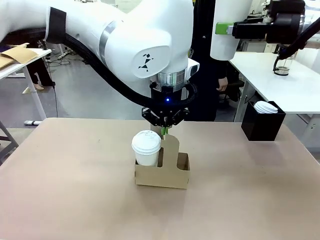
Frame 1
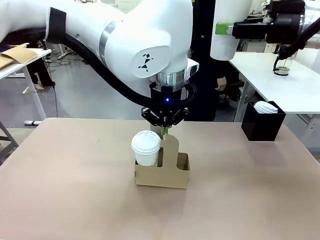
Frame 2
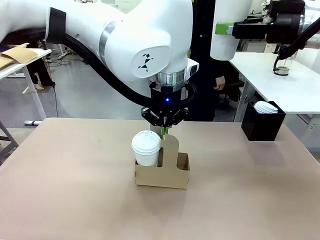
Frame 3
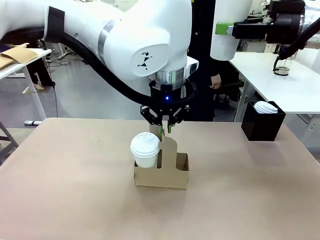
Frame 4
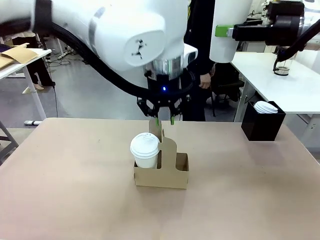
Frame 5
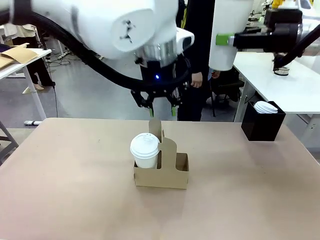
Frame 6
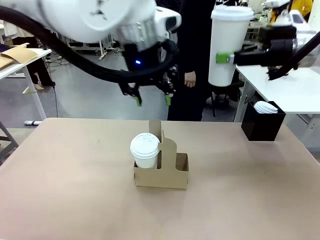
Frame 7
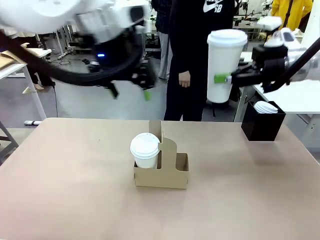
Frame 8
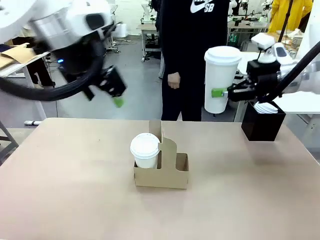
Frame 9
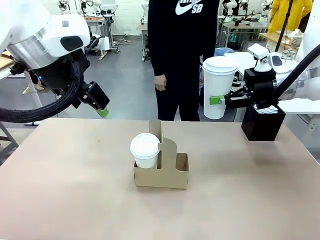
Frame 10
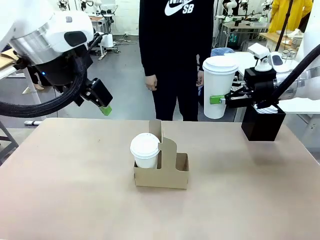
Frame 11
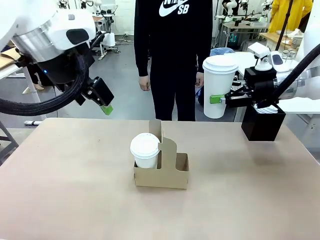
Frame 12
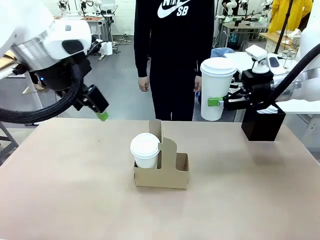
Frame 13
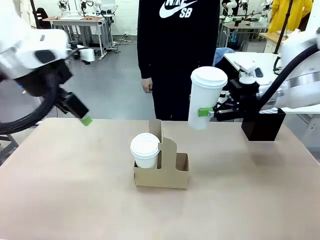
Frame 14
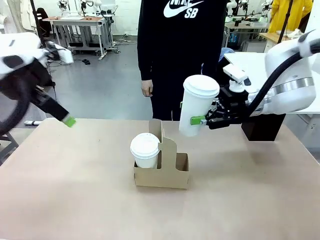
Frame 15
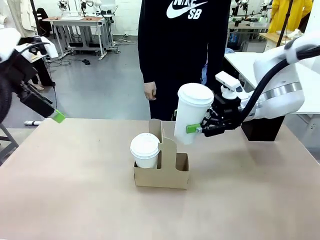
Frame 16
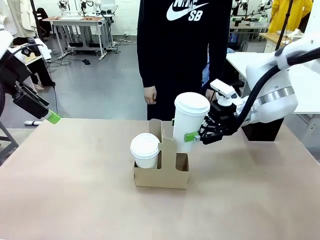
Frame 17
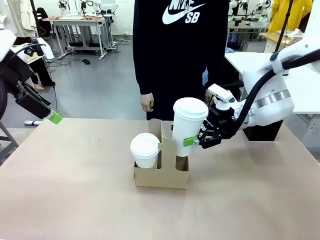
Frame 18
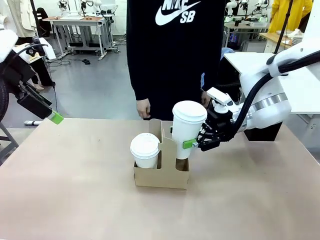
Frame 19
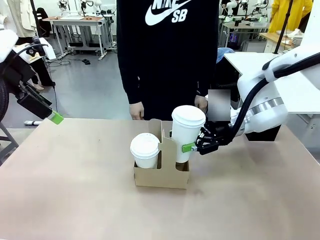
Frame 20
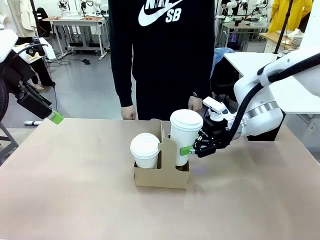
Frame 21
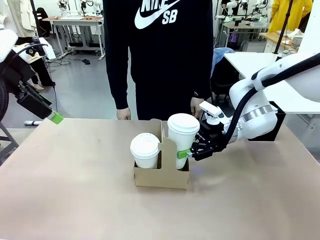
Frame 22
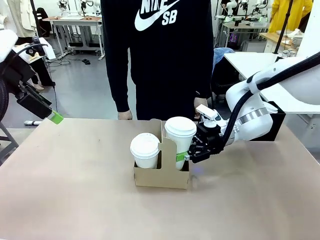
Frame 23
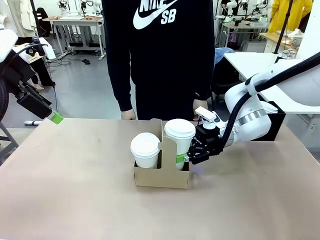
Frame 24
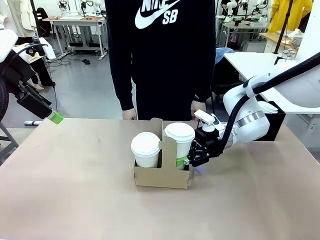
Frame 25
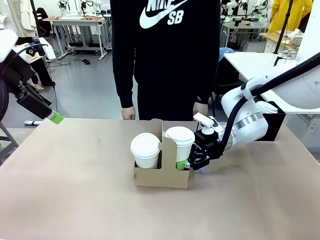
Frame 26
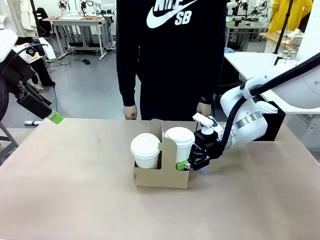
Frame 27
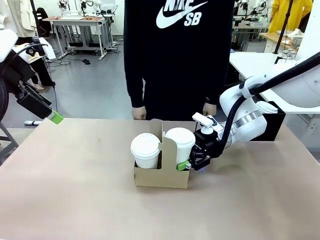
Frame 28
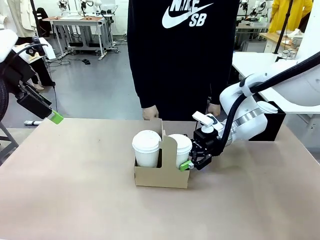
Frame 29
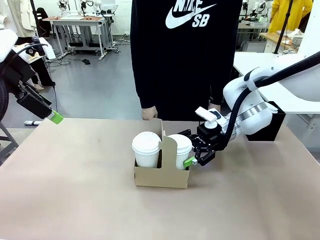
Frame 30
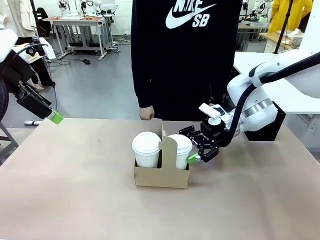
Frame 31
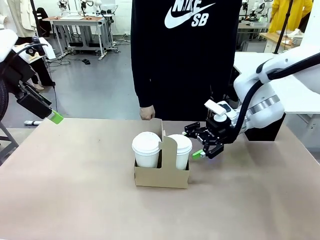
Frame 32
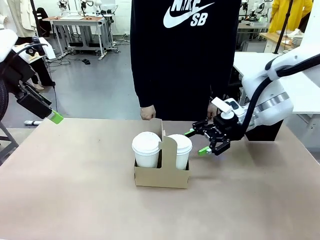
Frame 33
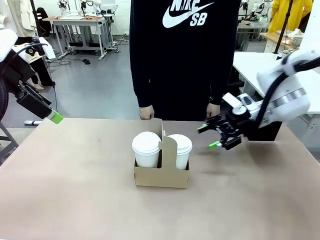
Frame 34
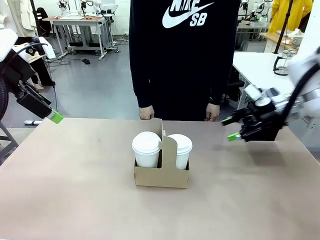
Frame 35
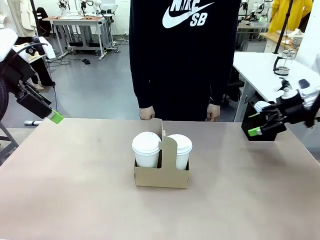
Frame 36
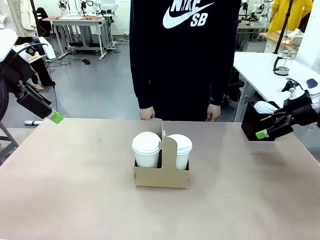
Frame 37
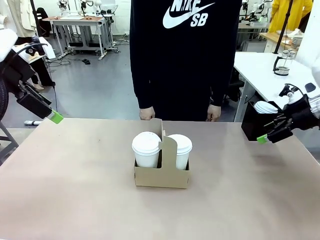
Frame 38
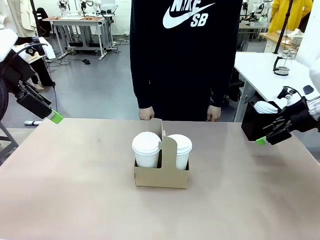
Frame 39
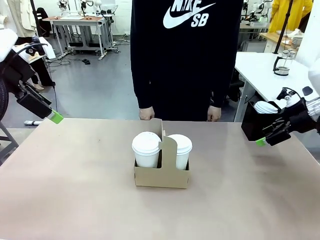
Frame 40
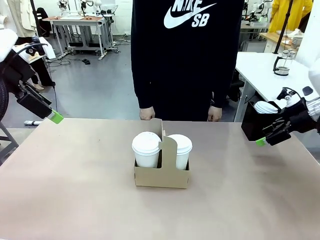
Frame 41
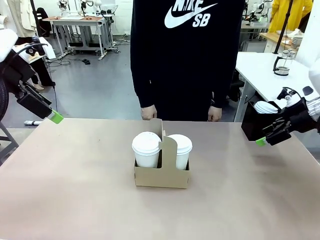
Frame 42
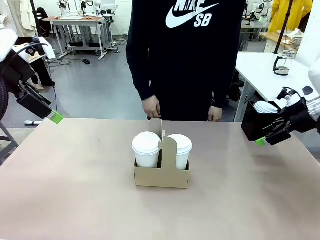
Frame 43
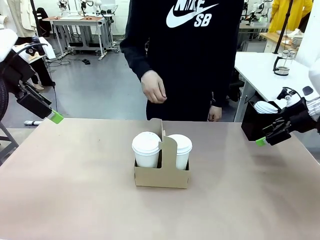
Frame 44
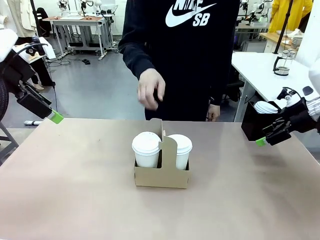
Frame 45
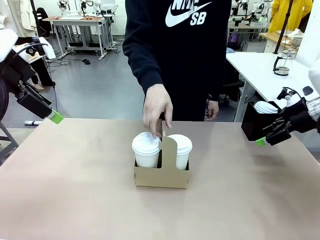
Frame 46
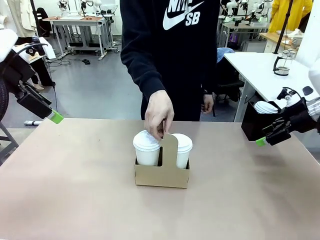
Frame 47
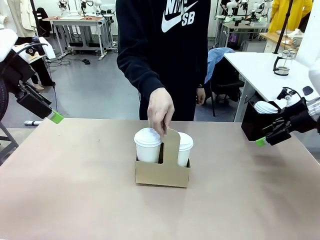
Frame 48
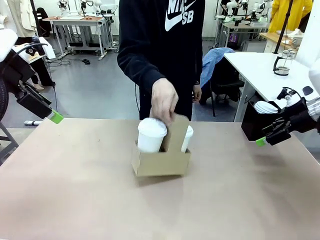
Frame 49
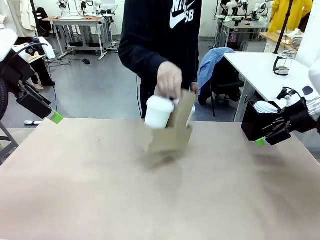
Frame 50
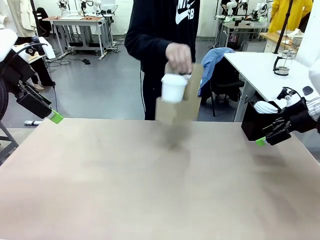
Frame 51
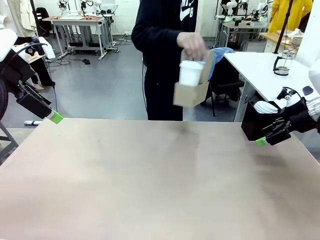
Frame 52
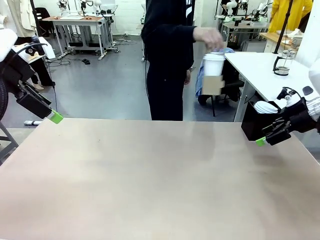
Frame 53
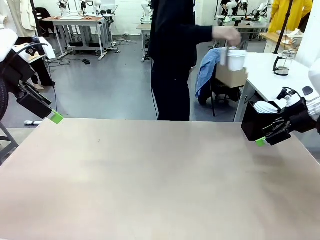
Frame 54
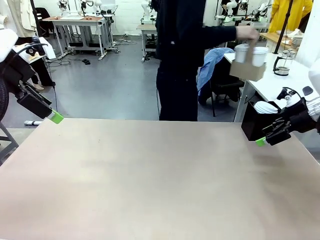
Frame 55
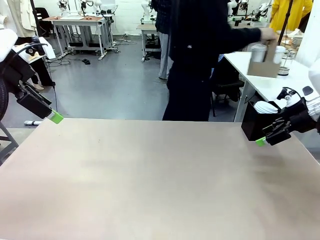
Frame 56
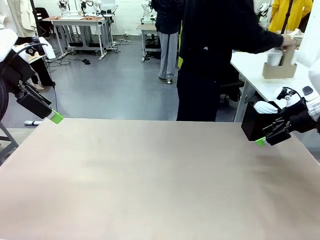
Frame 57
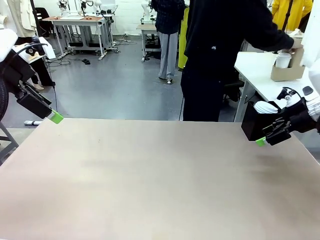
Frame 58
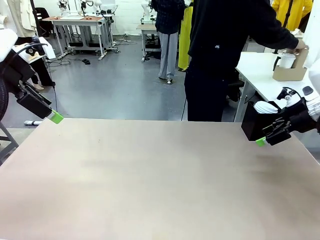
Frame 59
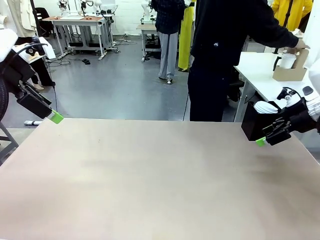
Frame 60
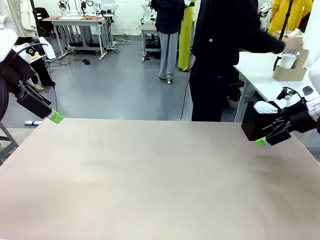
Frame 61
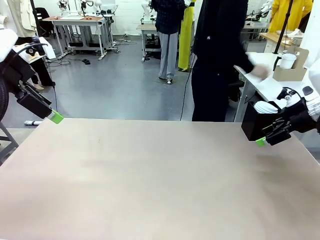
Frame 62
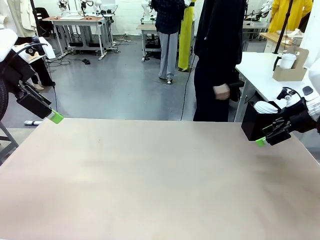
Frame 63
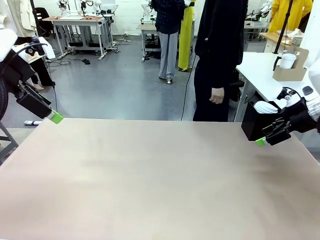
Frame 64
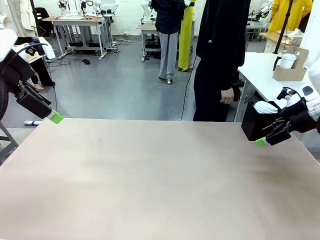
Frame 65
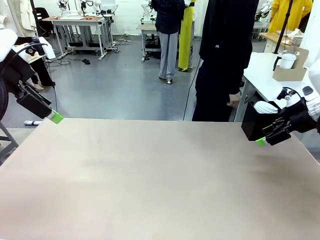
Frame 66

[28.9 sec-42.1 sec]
Task: Pour a drink into a cup and package it in a carrier.
Robot: Insert the held 600 ml Paper Cup into the Cup Carrier.
Person: Place the Cup Carrier to the middle of Human table.
